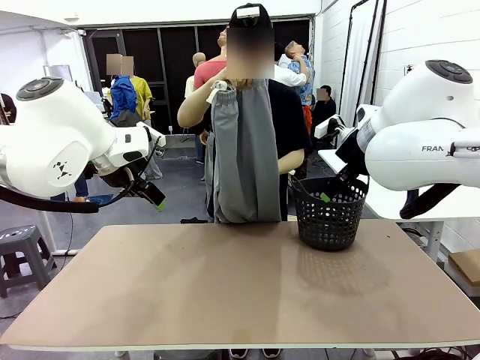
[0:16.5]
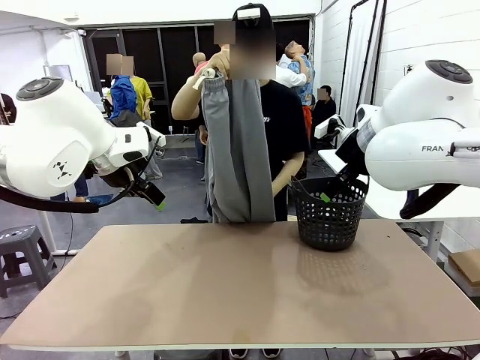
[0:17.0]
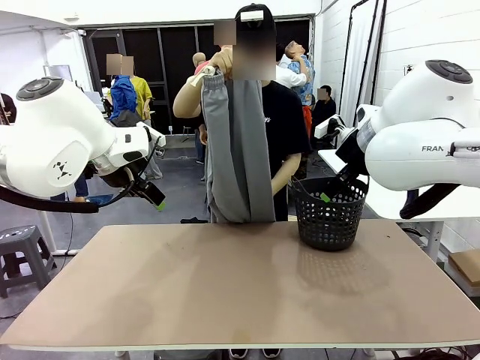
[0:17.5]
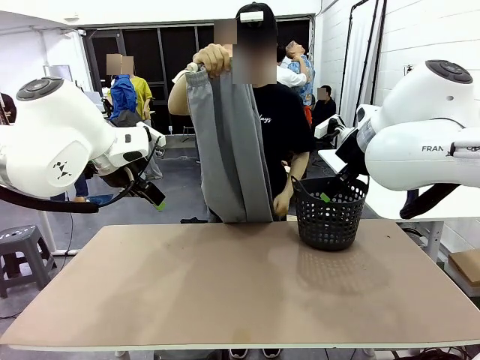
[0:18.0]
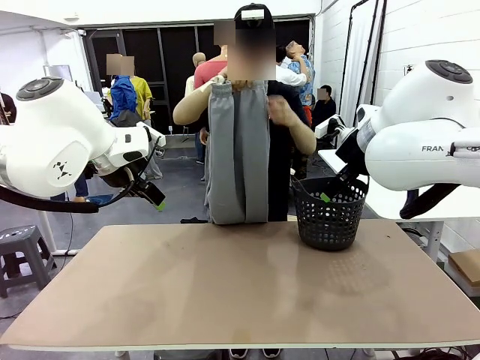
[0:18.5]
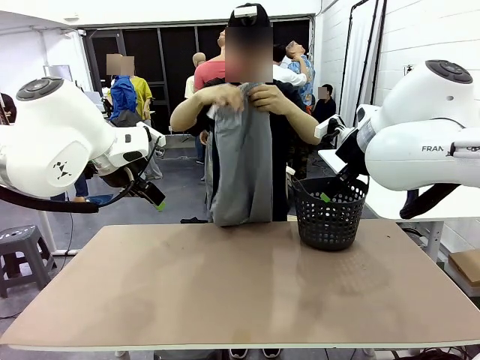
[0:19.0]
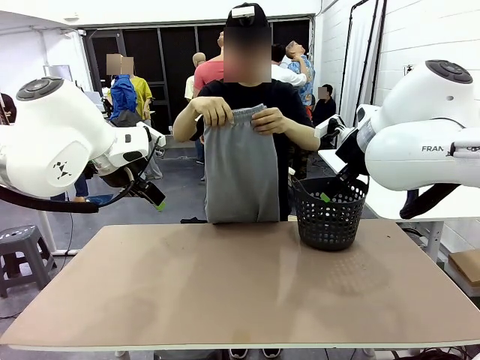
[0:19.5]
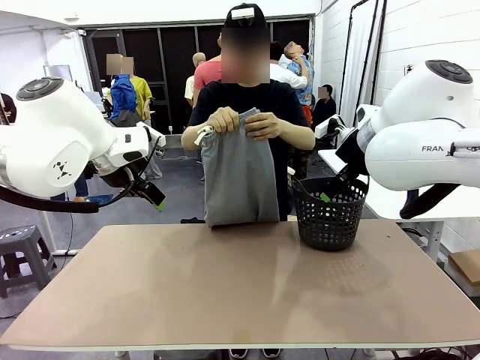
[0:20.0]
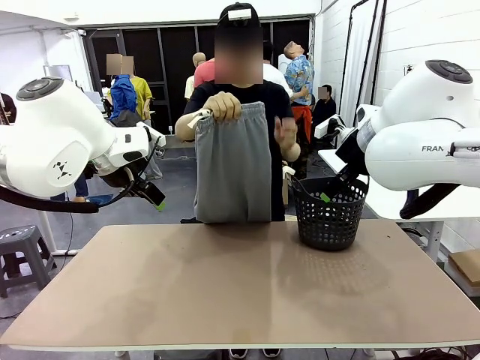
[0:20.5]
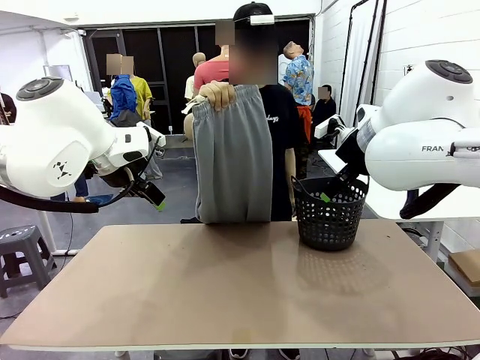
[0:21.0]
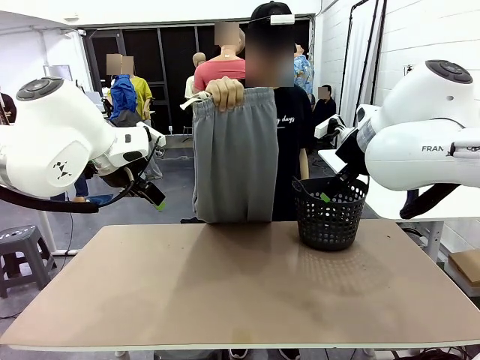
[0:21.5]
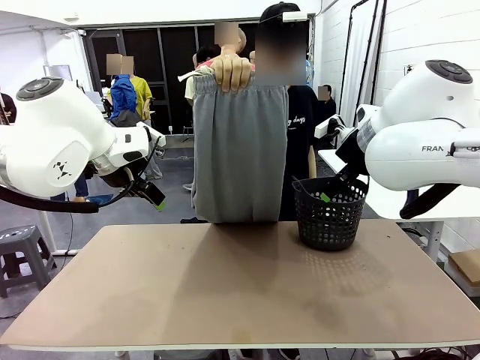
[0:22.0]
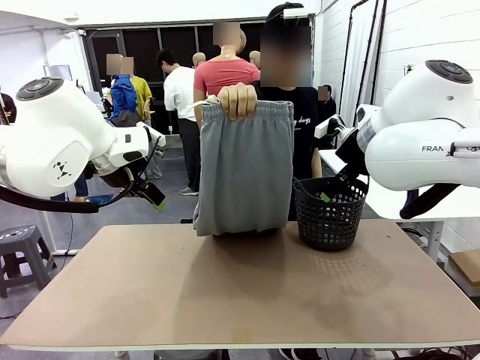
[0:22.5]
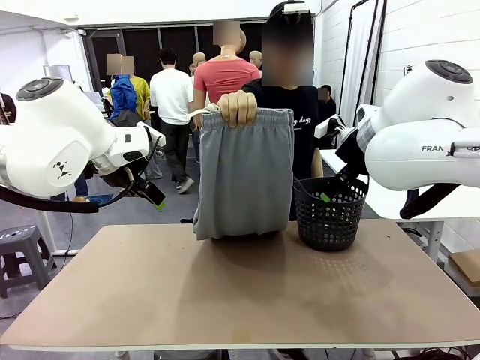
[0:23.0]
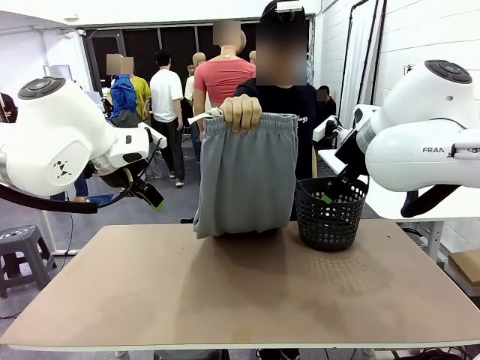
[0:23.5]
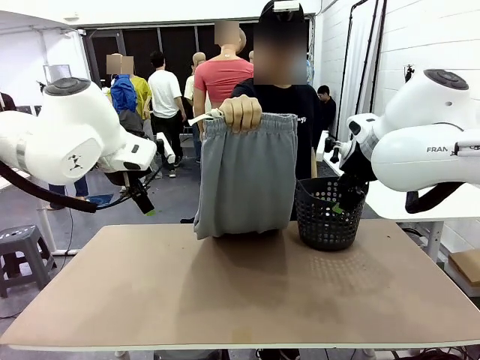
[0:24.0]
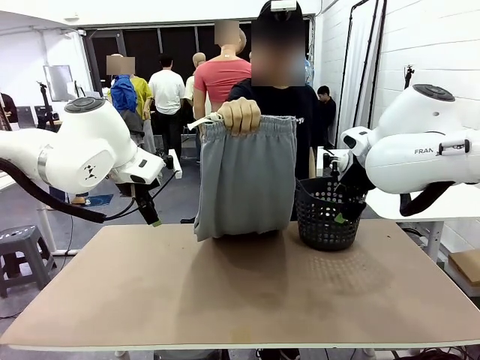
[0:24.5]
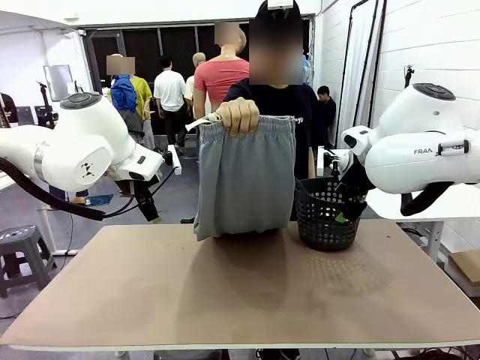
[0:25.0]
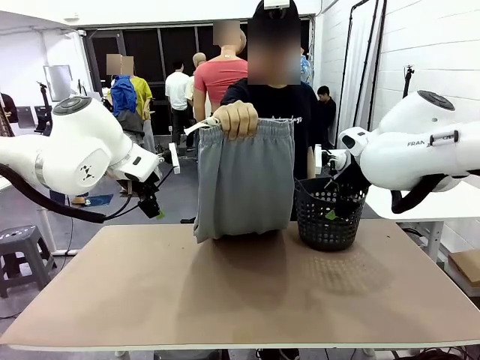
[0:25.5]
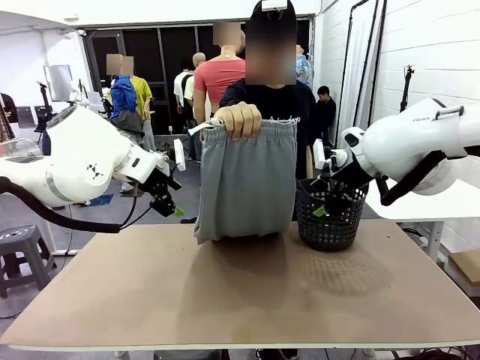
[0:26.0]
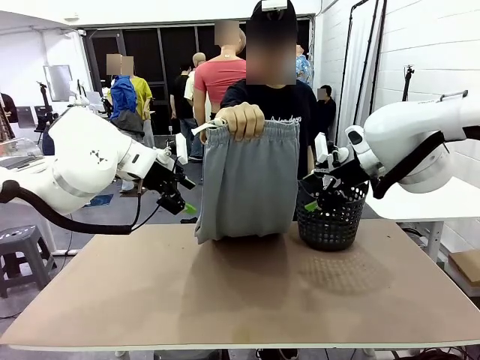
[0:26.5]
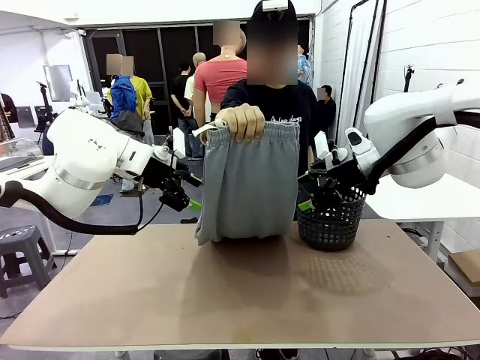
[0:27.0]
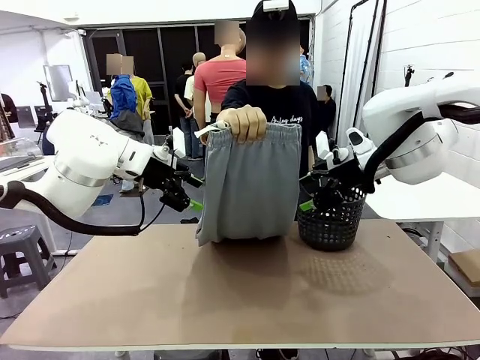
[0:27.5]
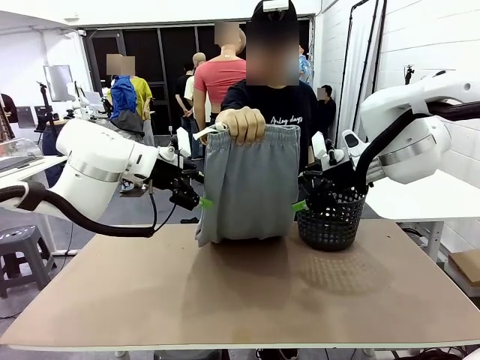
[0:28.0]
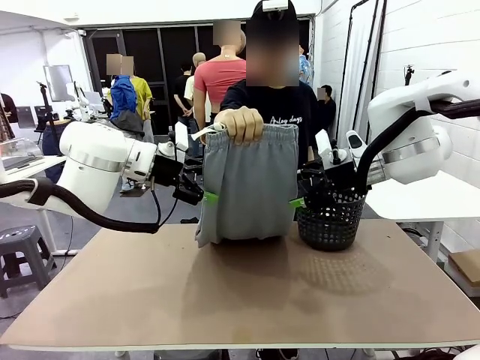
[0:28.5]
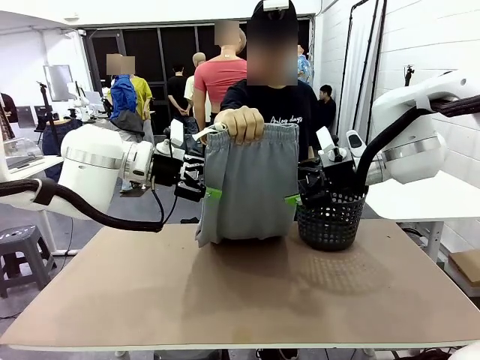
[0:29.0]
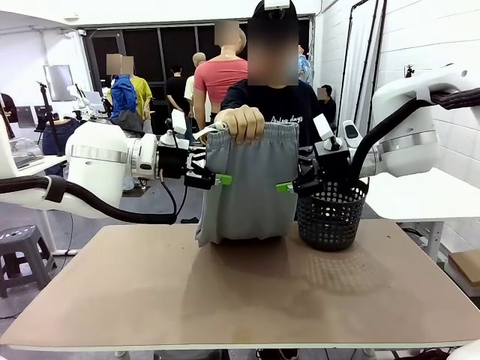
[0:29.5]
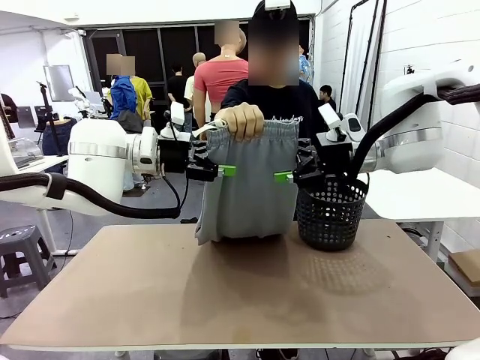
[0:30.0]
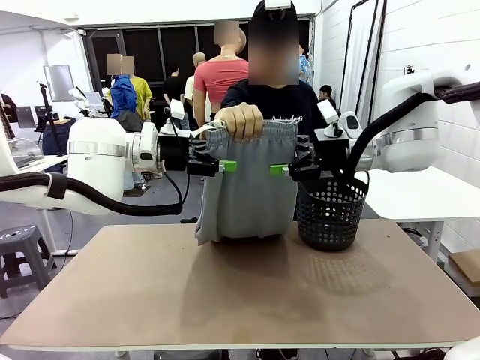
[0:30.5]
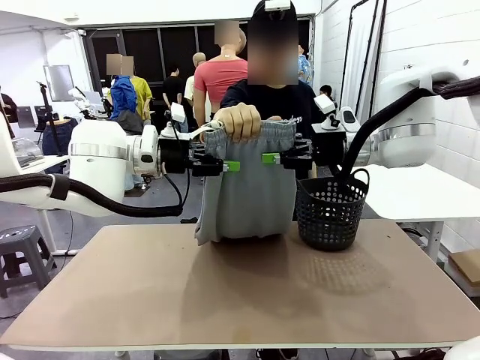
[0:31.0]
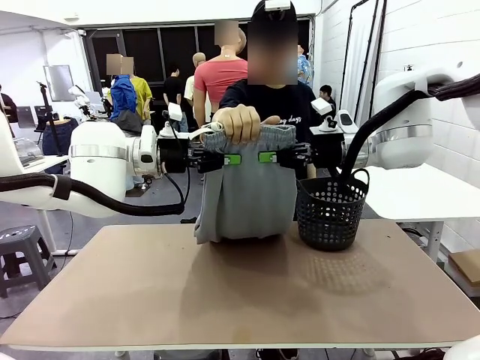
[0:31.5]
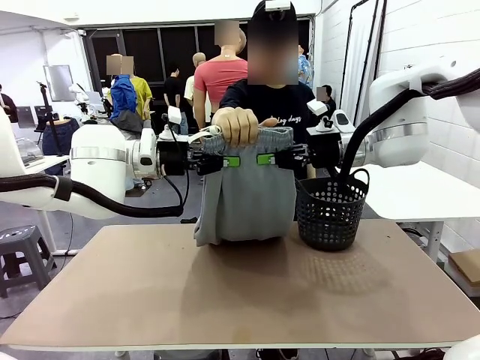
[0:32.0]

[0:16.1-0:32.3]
Task: Fold the training pants.
Robot: Grab both ends of the Training pants handed by a person.
